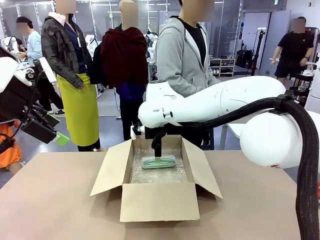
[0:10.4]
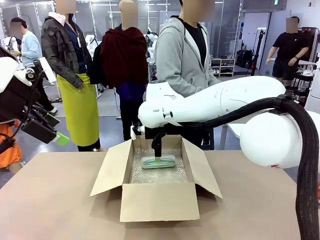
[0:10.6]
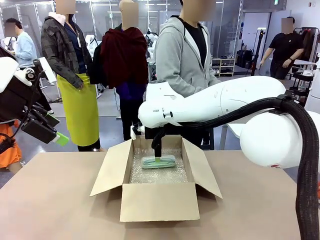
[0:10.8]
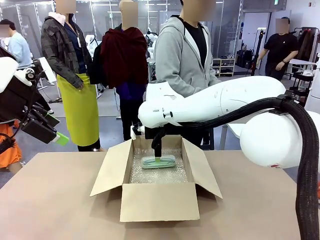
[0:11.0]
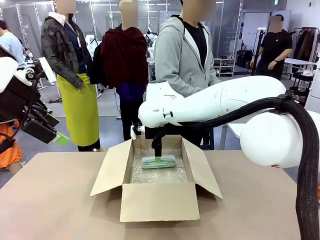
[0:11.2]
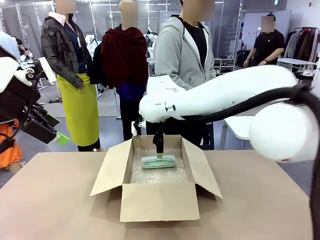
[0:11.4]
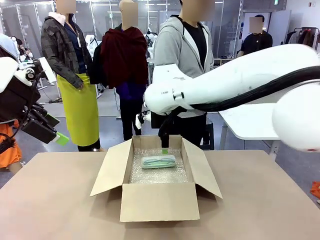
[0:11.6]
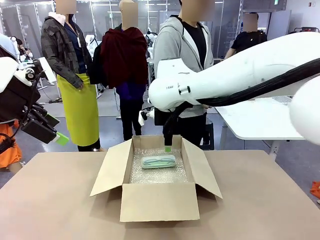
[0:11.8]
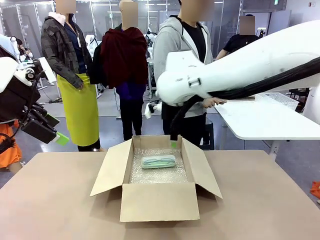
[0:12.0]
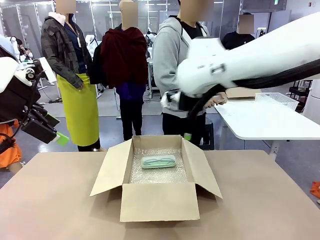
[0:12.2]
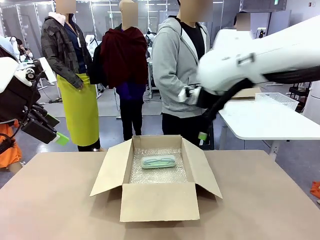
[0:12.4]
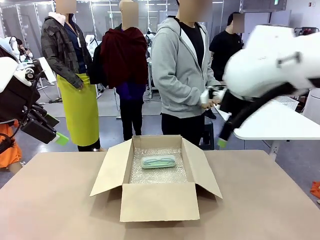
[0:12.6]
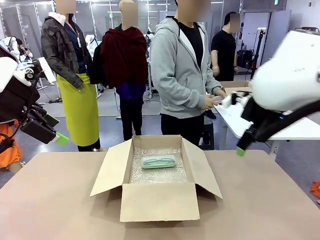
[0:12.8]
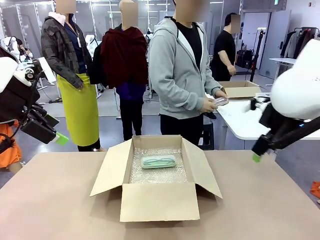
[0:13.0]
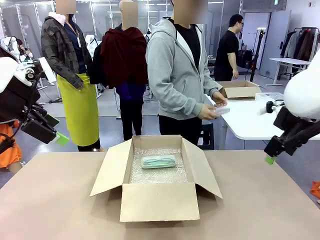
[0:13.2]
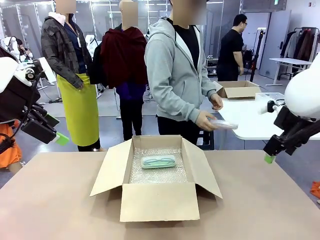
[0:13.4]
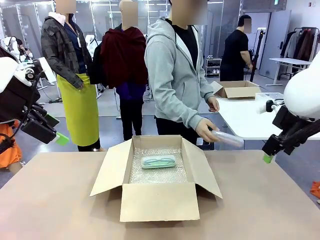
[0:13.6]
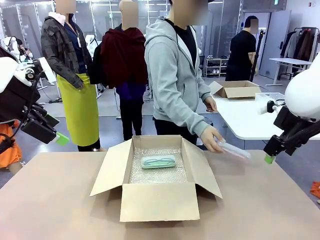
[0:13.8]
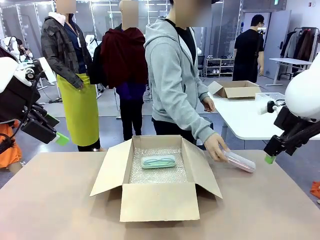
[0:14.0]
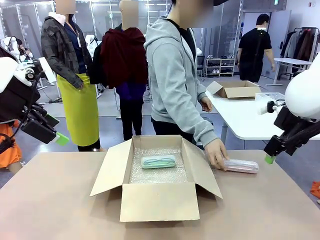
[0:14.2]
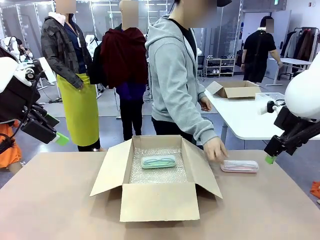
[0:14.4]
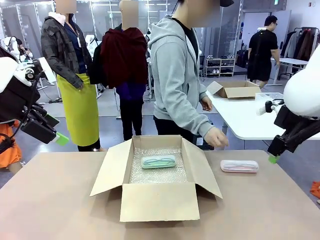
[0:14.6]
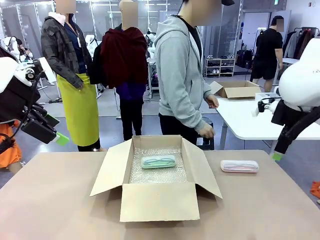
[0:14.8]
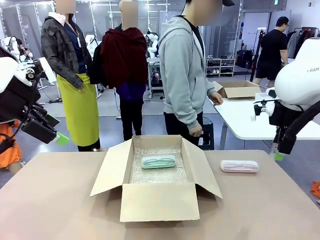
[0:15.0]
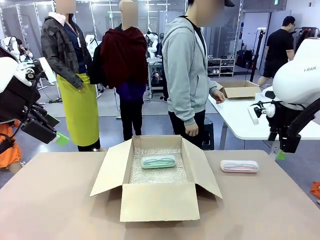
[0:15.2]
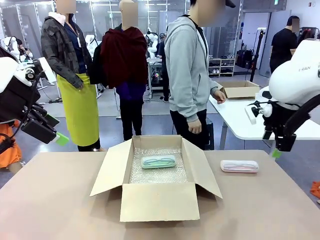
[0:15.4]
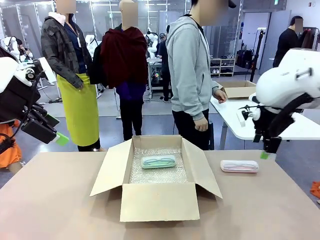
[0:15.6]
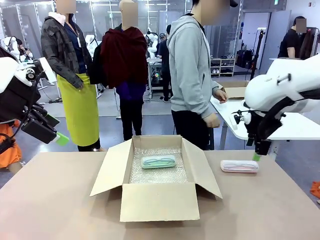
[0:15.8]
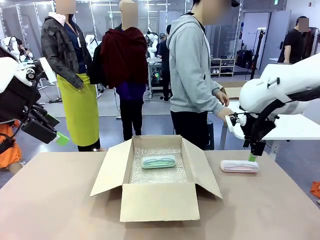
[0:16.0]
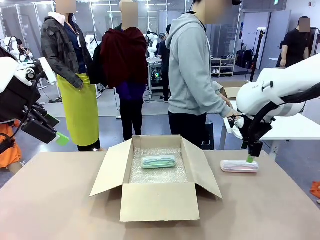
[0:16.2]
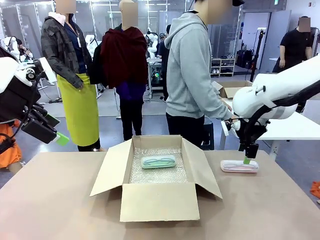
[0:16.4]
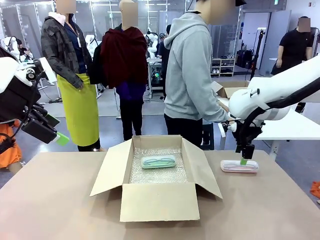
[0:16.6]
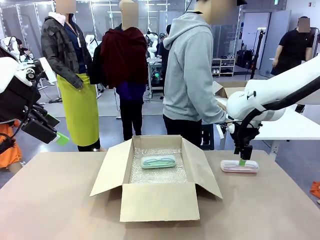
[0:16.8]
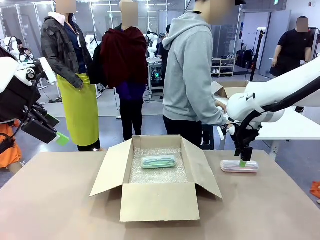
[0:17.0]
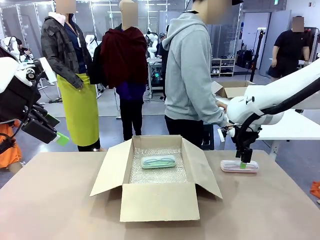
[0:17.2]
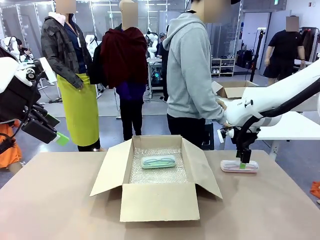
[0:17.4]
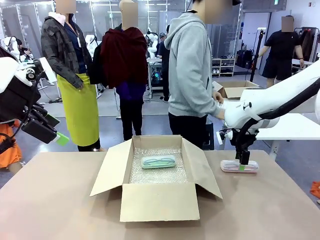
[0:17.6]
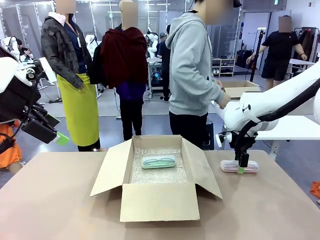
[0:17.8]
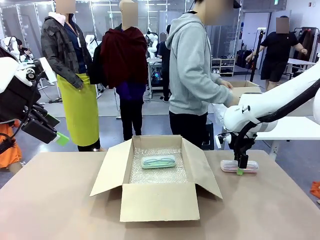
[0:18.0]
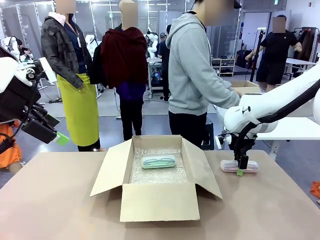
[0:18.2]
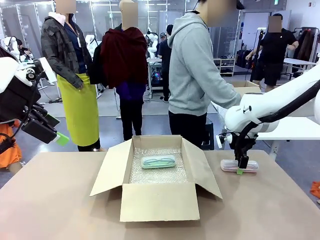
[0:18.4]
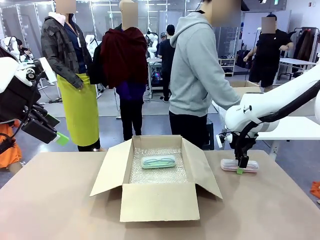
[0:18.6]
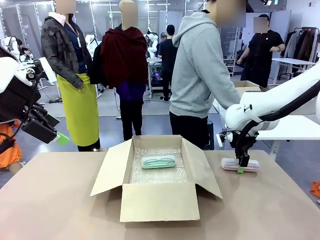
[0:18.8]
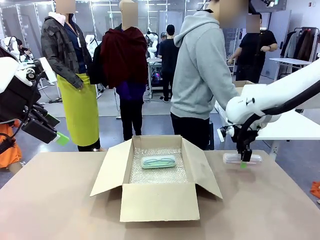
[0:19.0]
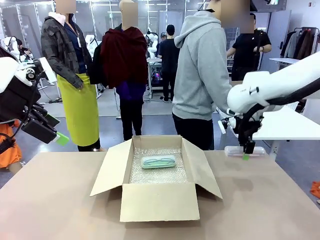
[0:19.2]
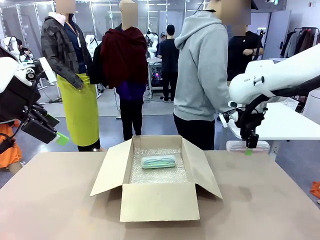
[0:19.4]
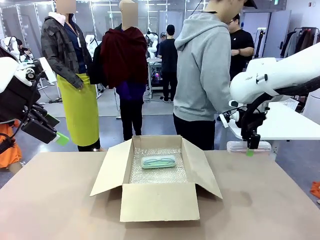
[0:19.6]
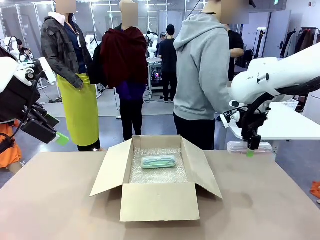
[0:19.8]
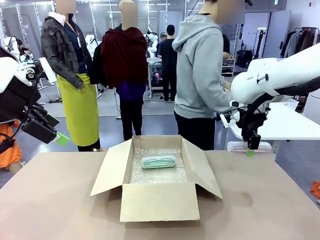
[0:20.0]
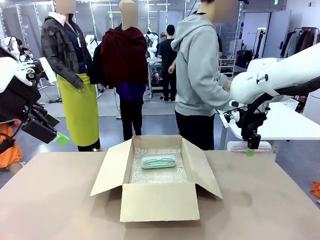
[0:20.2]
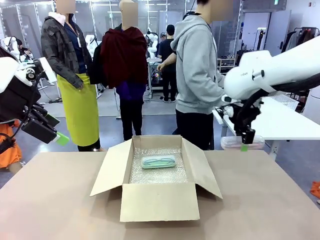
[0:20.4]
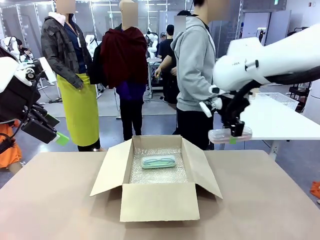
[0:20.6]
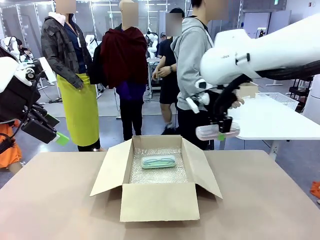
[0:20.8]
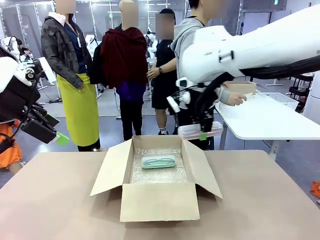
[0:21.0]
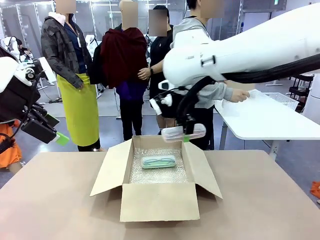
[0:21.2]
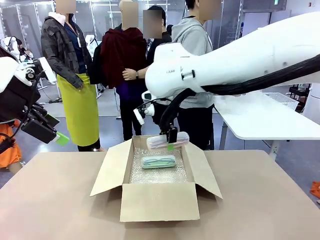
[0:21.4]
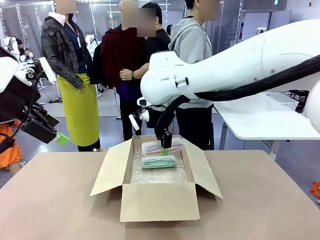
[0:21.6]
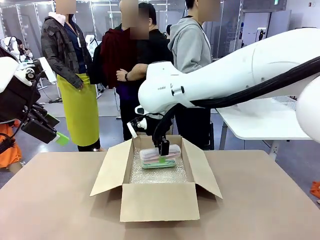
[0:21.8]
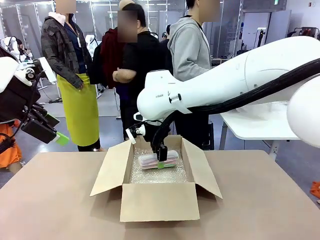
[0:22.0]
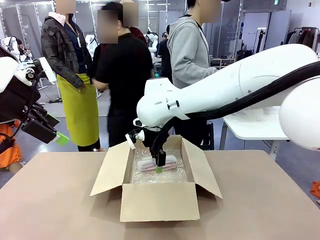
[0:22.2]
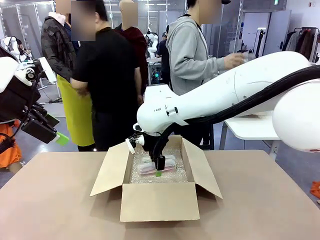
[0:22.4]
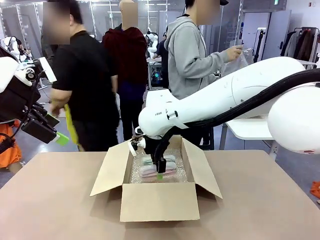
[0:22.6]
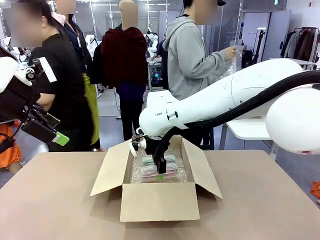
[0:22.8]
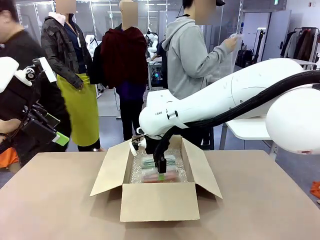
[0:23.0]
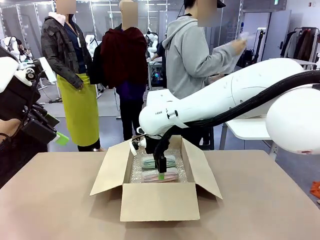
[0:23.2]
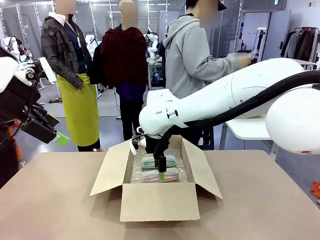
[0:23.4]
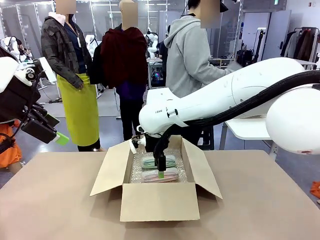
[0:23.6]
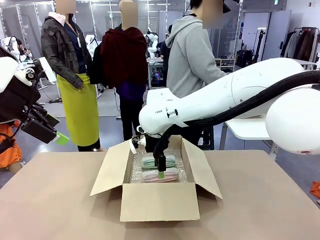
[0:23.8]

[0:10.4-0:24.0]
Task: Pack the glasses set securely to prepare it for shipping.
Robot: Put the Glasses case from the right side of the table into the Package Box.
Person: Position the Glasses case on the left side of the robot's table.
